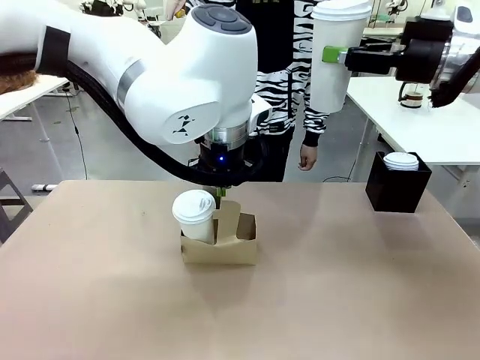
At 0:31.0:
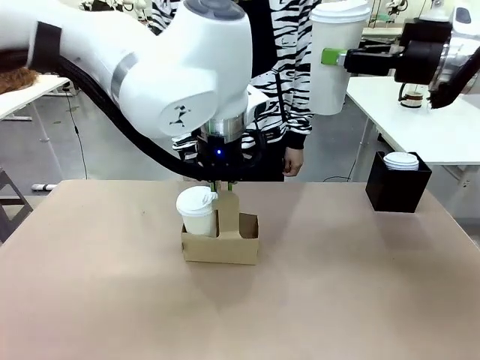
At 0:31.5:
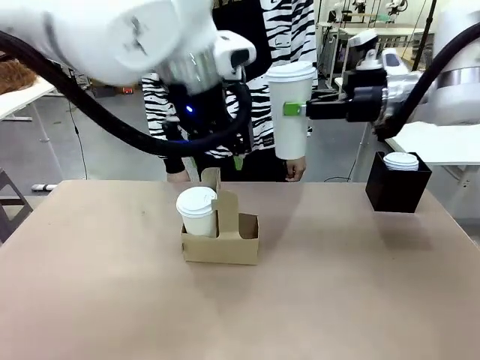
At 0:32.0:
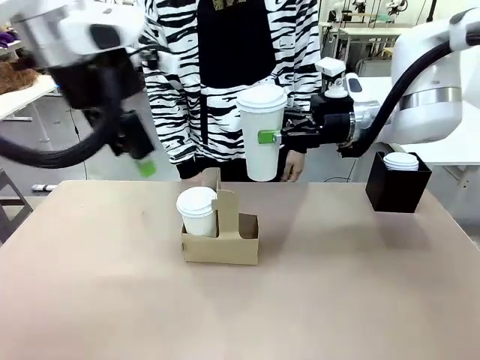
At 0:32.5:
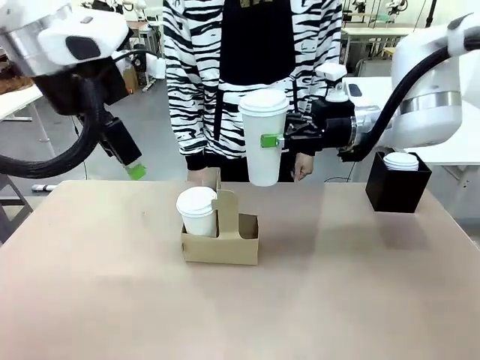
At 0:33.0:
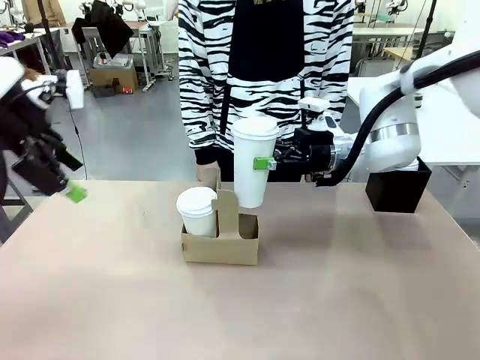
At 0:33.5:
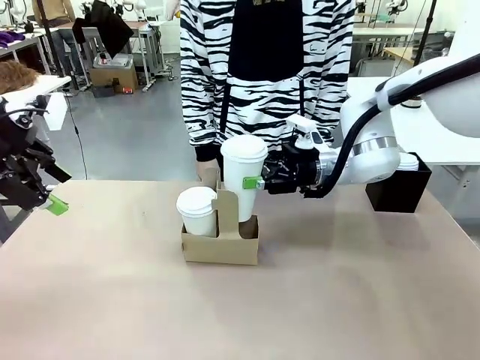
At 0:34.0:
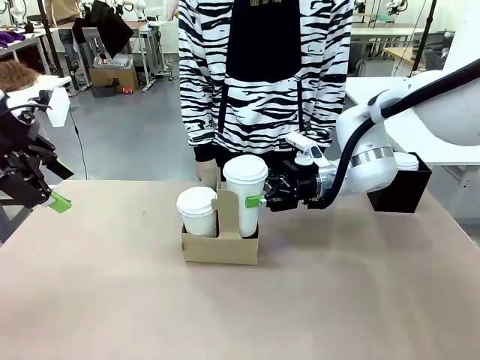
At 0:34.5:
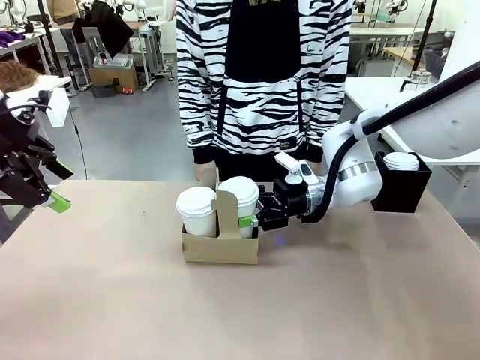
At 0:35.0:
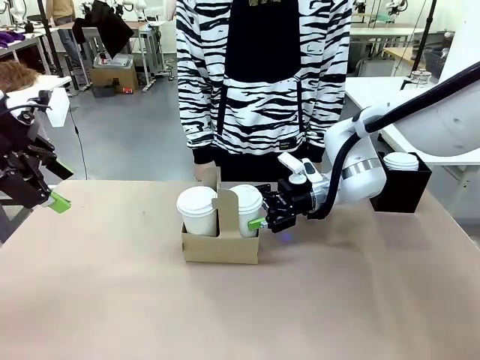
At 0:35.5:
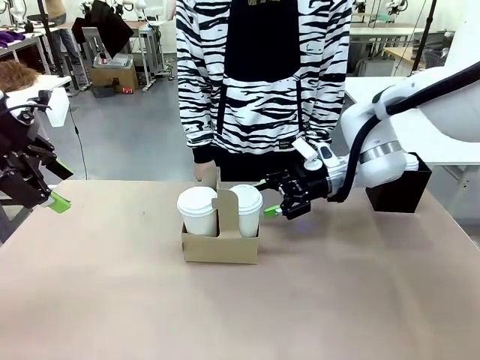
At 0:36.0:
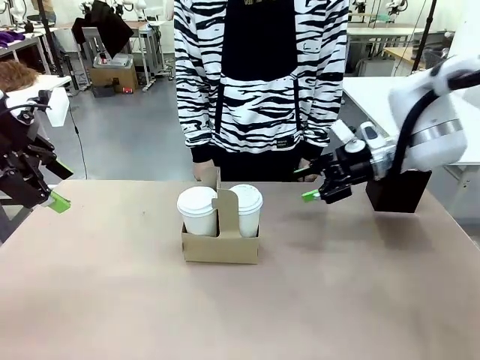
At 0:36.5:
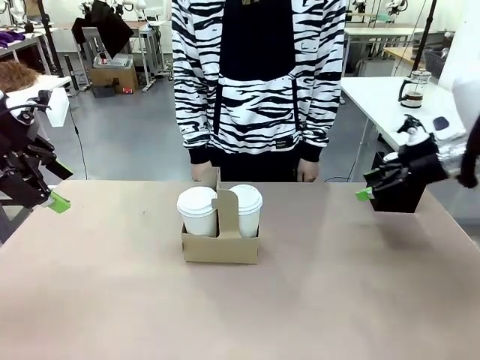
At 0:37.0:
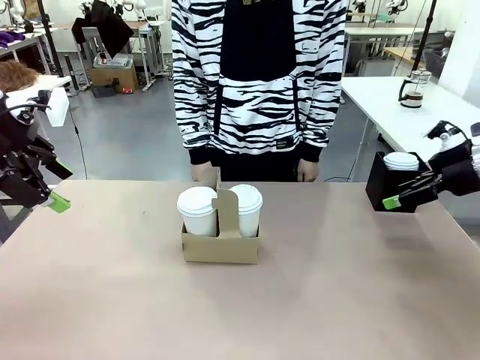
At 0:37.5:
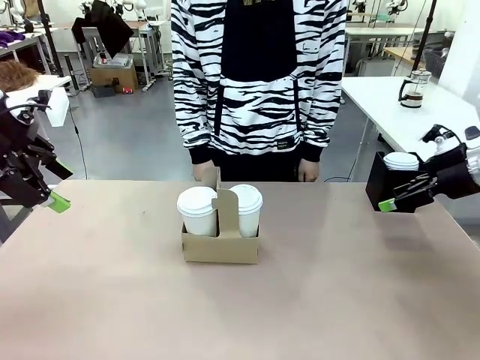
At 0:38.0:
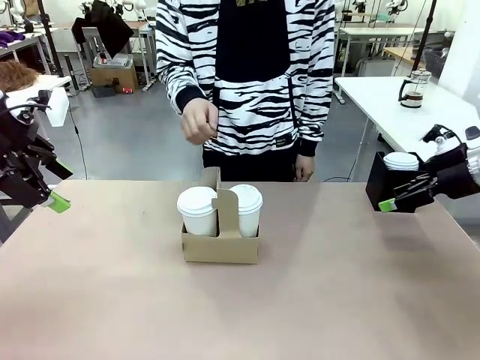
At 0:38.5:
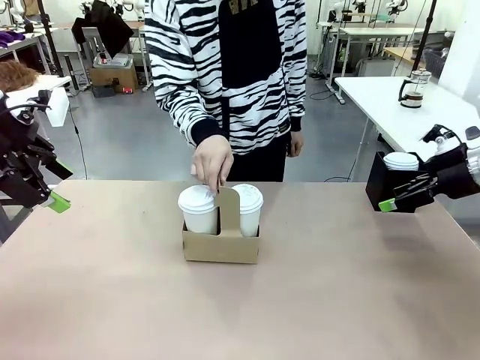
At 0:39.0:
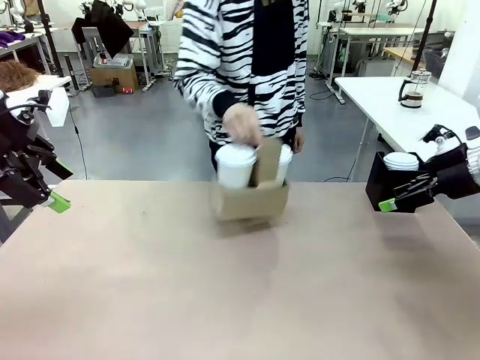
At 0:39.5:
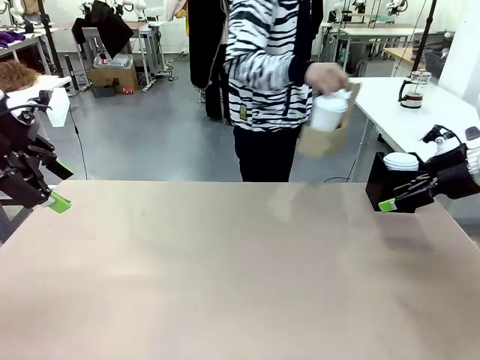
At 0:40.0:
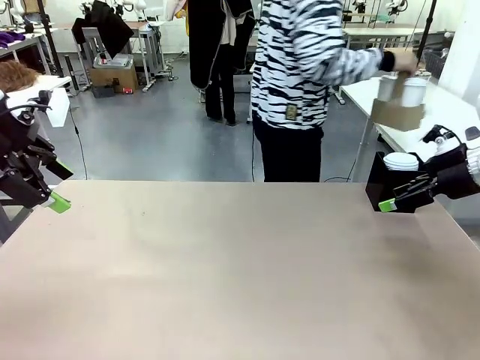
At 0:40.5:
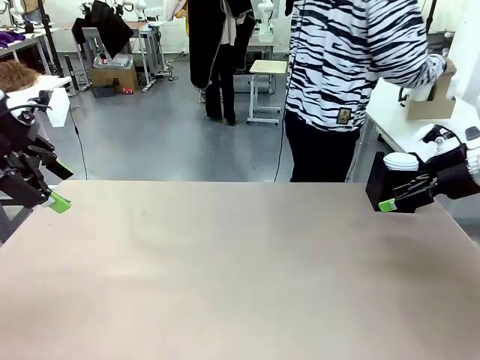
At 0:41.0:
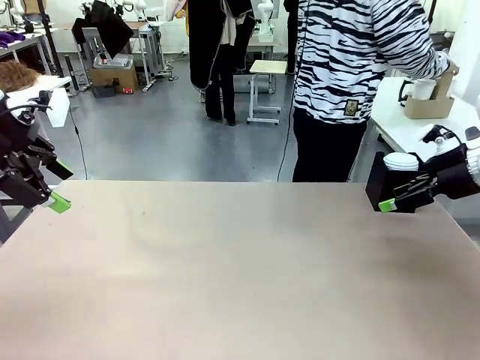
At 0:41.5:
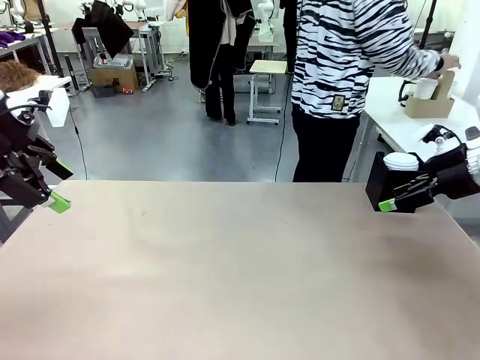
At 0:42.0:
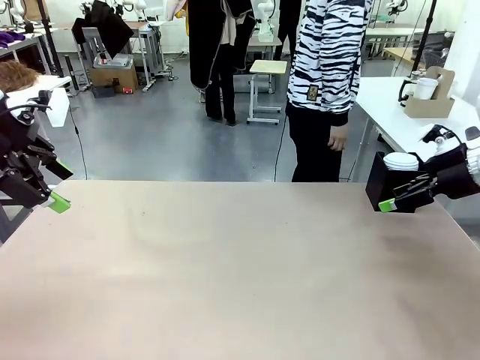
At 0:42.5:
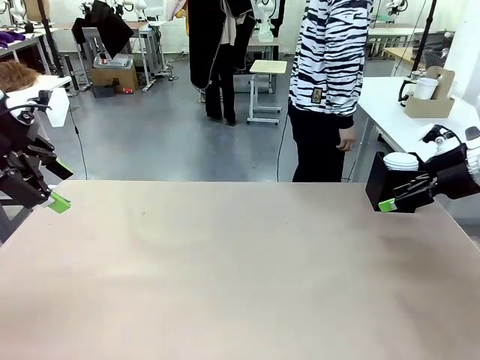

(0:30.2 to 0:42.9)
Task: Pour a drink into a cup and package it in a carrier.
Robot: Insert the held 600 ml Paper Cup into the Cup Carrier.
Person: Place the Cup Carrier to the middle of Human table.

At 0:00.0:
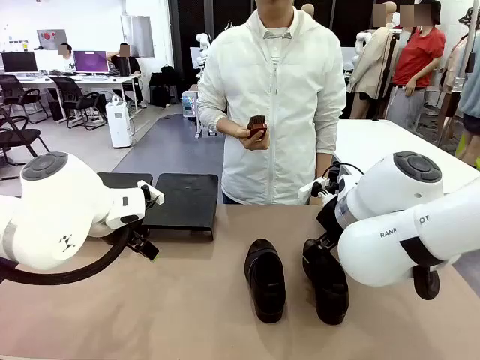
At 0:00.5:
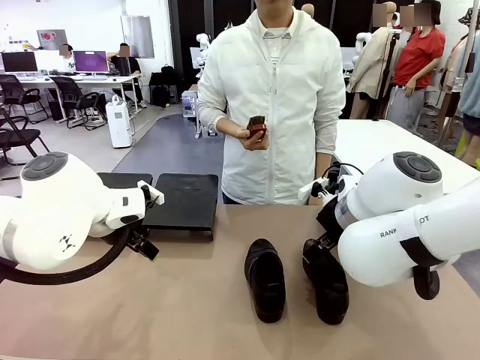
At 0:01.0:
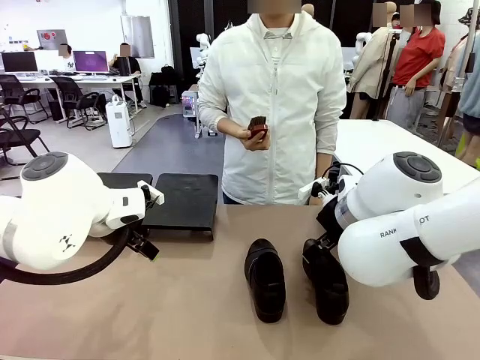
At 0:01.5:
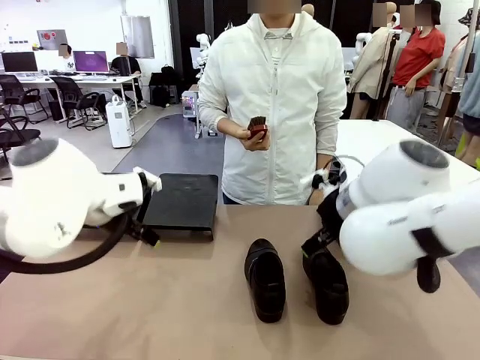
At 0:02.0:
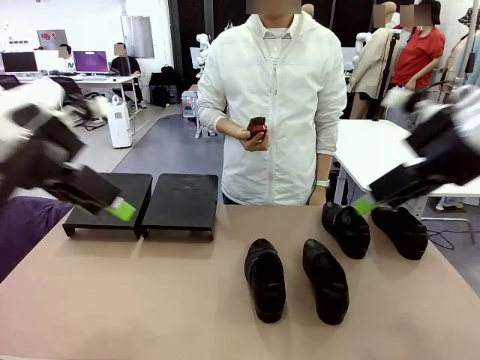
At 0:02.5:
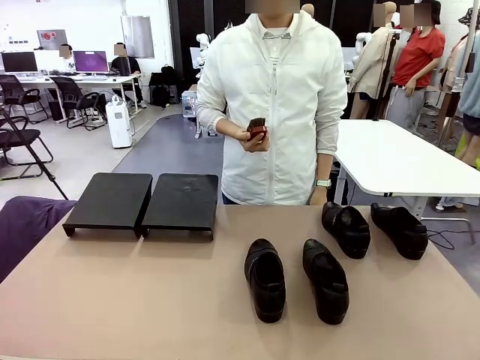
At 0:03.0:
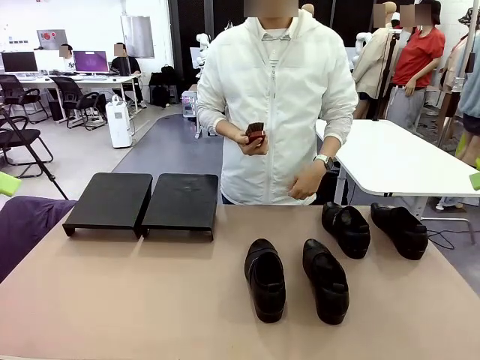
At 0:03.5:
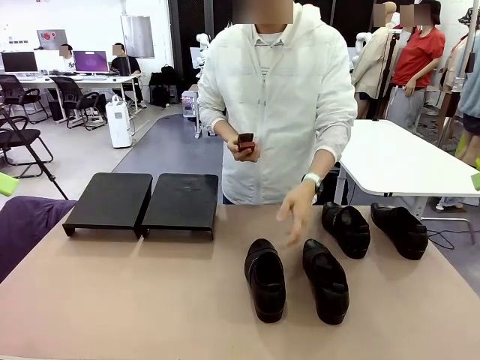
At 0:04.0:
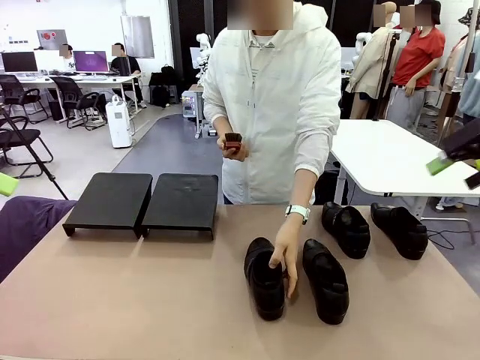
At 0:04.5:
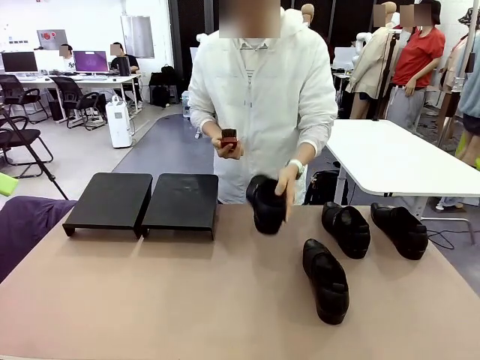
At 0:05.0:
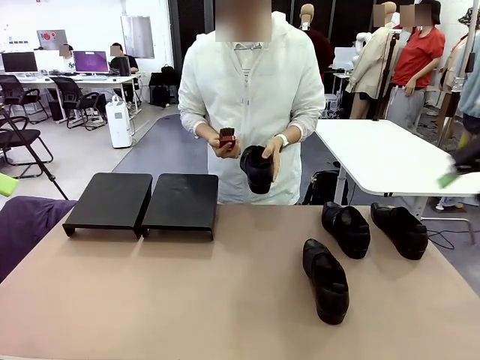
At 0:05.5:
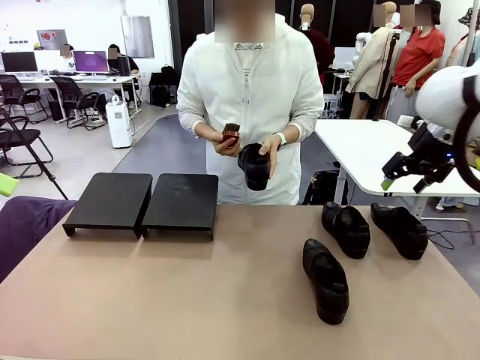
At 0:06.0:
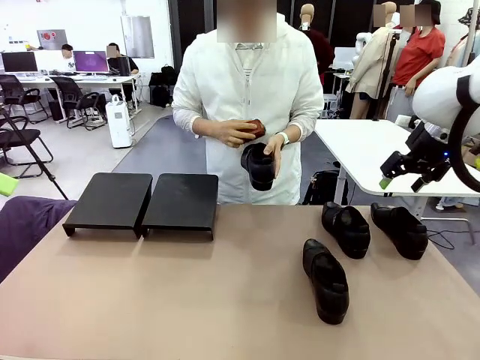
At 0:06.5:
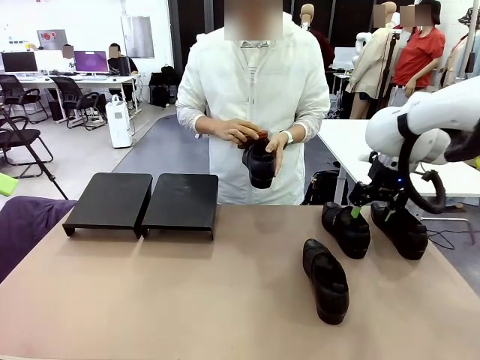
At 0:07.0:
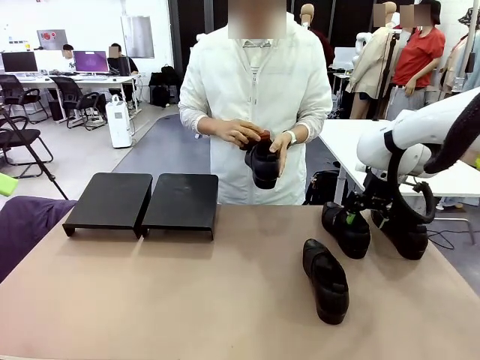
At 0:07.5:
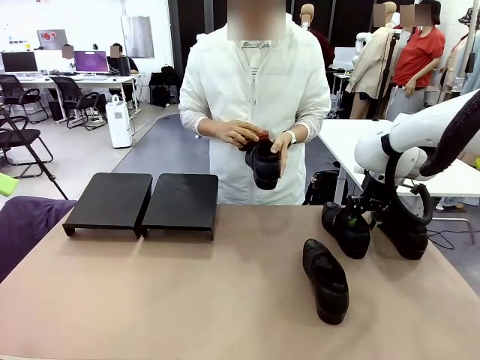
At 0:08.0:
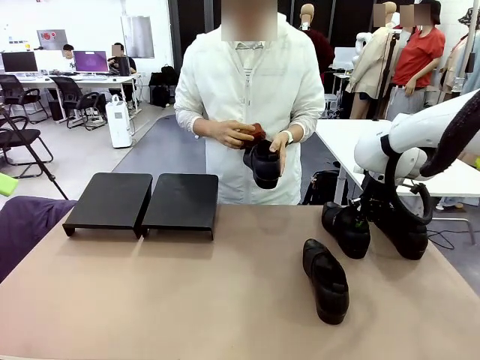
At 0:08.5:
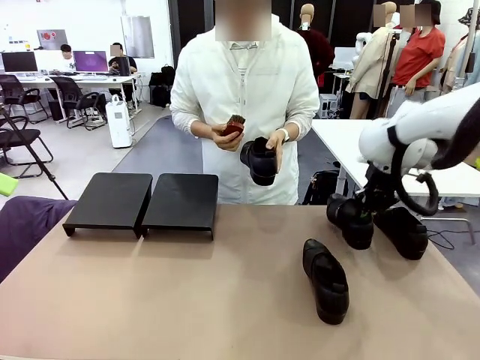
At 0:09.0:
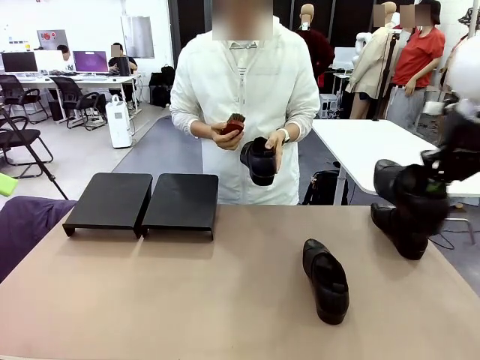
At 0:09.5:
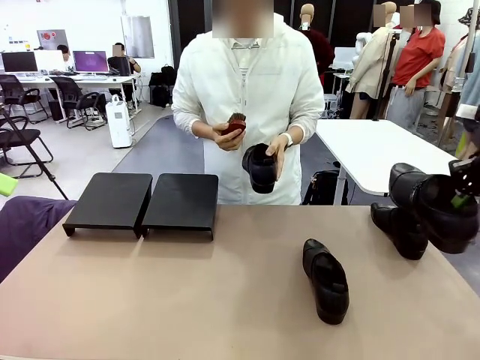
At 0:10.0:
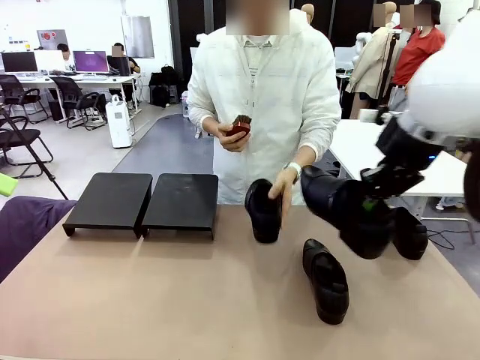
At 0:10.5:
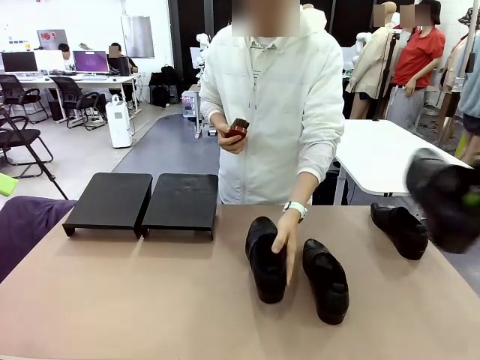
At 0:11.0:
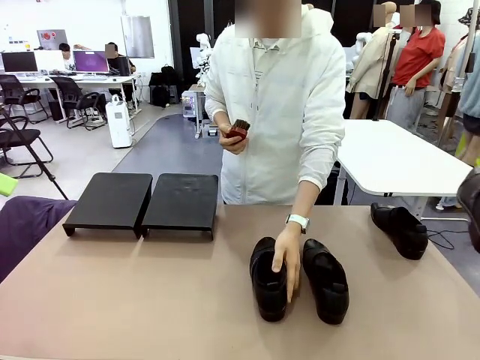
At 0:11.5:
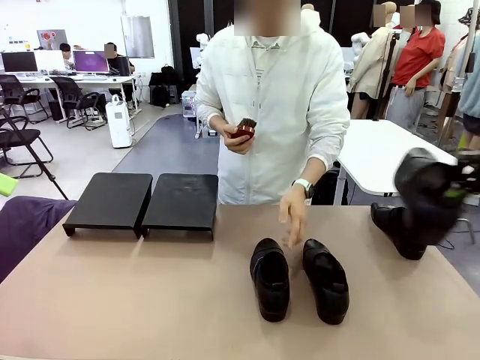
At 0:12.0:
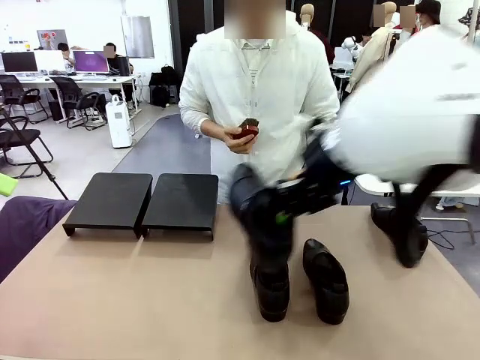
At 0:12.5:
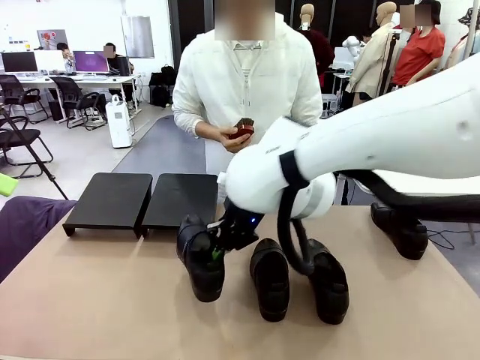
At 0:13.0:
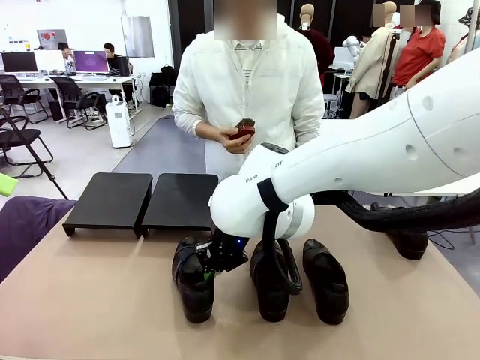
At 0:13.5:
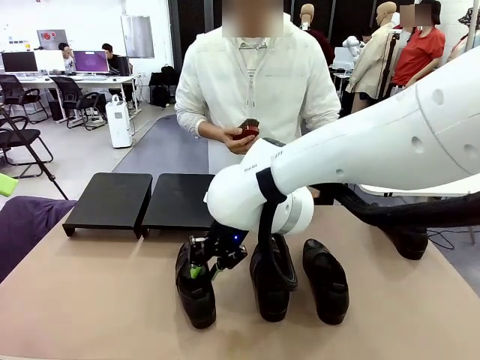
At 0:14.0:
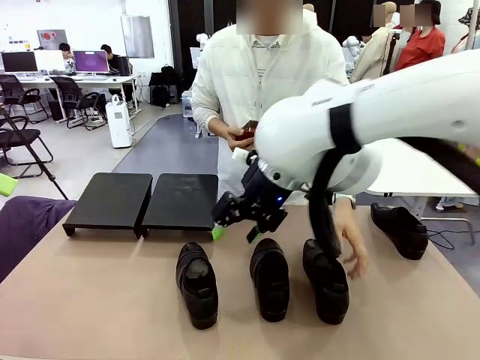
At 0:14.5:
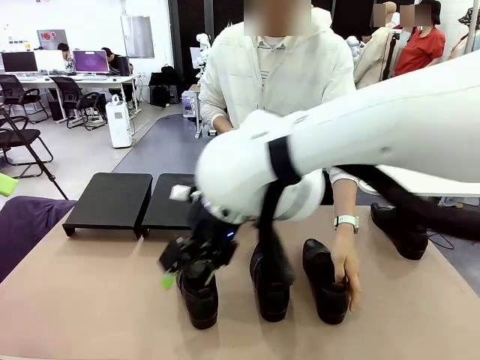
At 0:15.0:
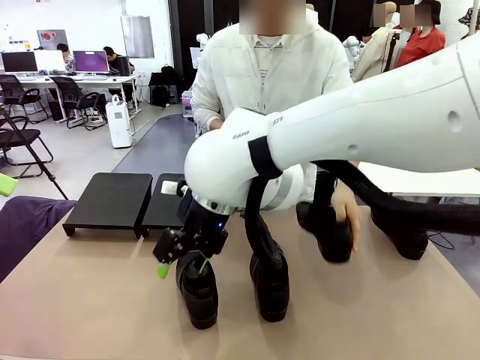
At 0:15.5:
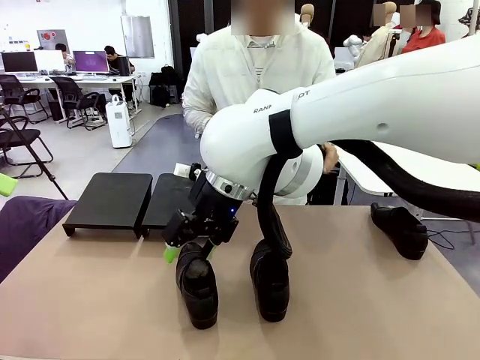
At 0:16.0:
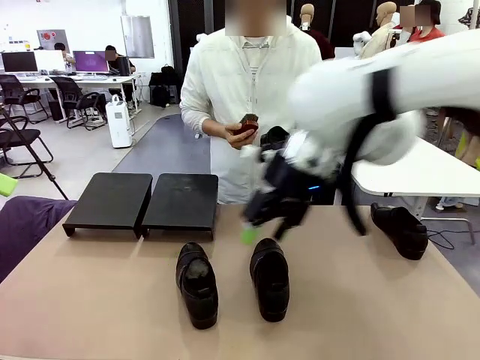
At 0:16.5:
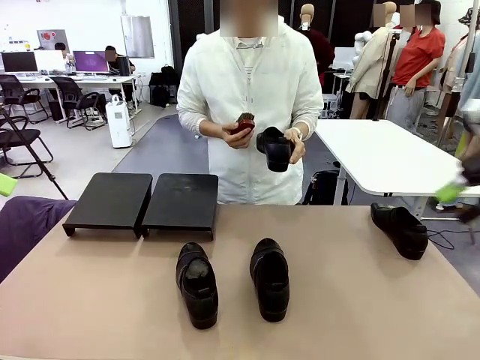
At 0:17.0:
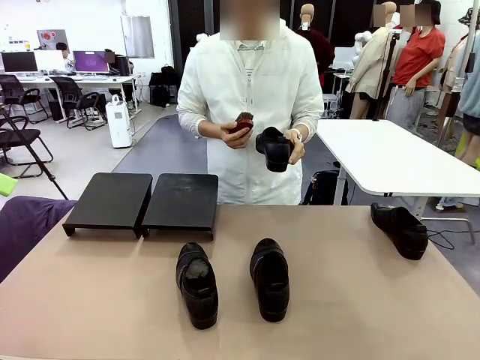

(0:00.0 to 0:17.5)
Task: Organize the shoes by placing them on the stand.
Robot: Pick up one Shoe and place it in the middle of the table.
Person: Pick one Shoe on Robot's table. Clean the Shoe with the Shoe Brush. Place the Shoe on left side of the Robot's table. Pick one Shoe on Robot's table.
